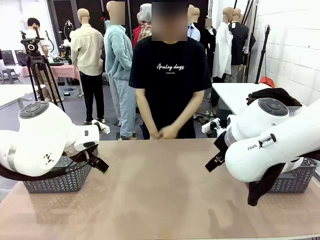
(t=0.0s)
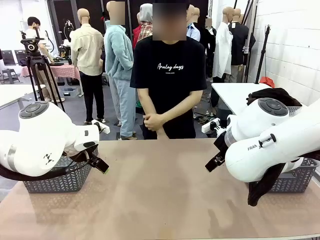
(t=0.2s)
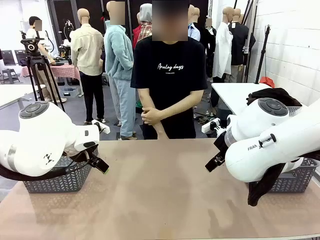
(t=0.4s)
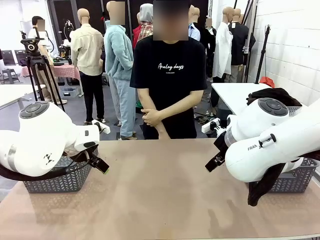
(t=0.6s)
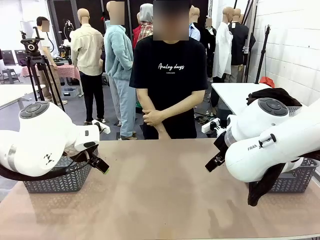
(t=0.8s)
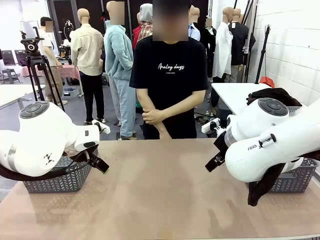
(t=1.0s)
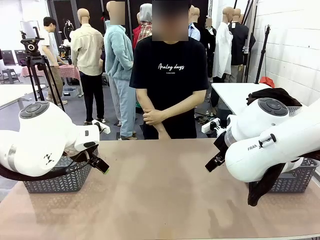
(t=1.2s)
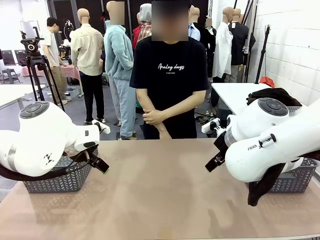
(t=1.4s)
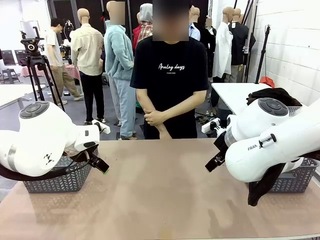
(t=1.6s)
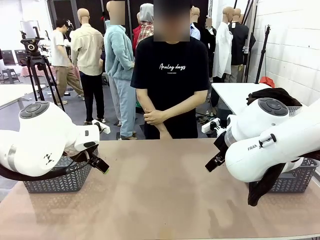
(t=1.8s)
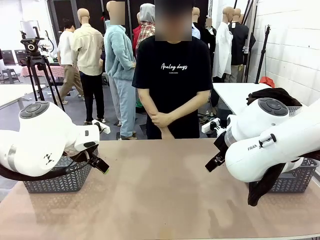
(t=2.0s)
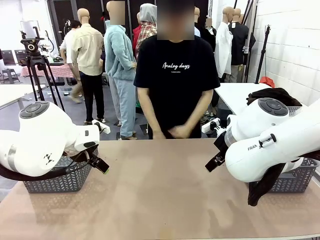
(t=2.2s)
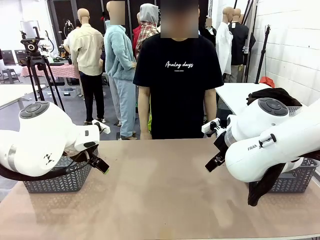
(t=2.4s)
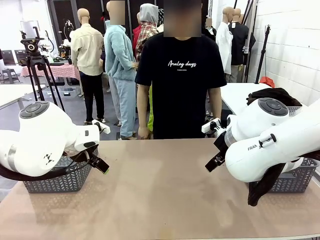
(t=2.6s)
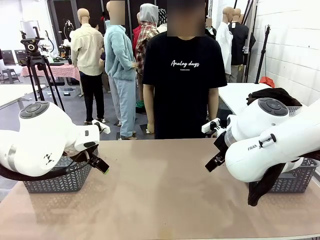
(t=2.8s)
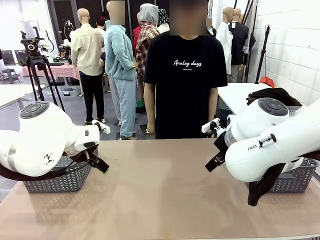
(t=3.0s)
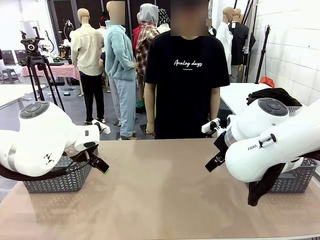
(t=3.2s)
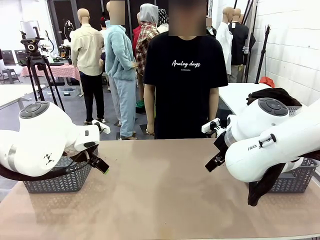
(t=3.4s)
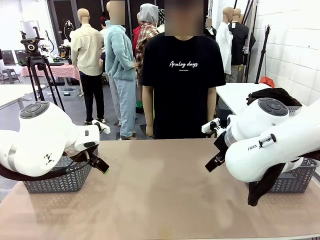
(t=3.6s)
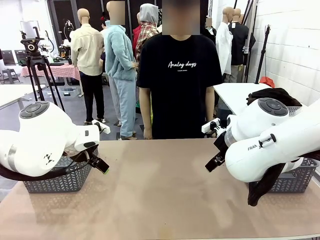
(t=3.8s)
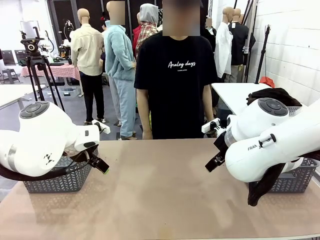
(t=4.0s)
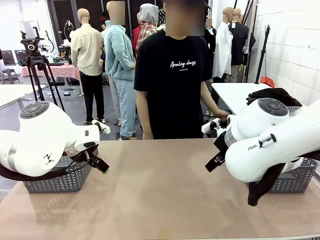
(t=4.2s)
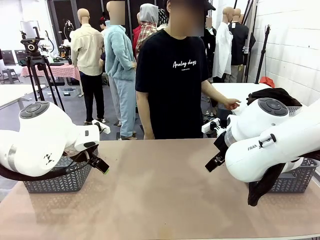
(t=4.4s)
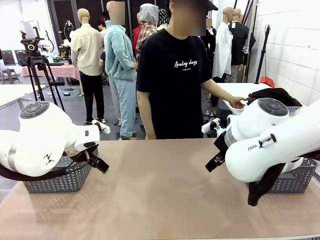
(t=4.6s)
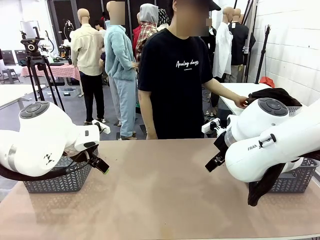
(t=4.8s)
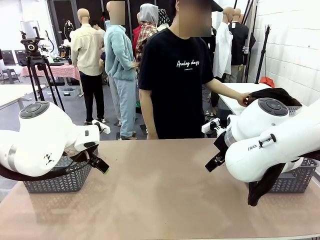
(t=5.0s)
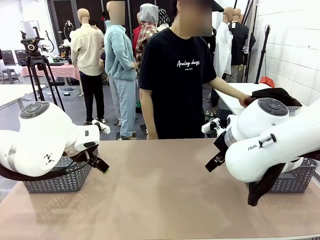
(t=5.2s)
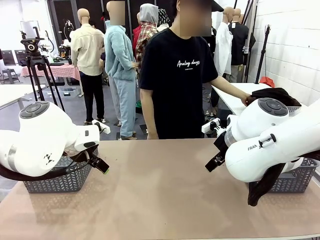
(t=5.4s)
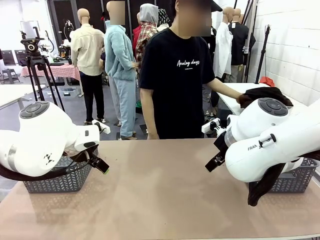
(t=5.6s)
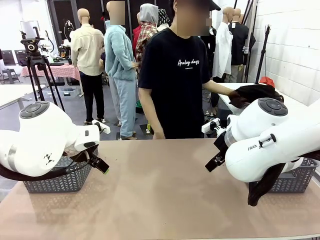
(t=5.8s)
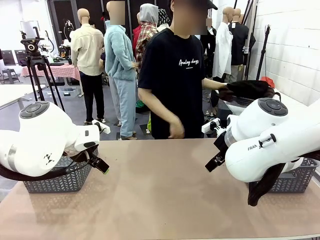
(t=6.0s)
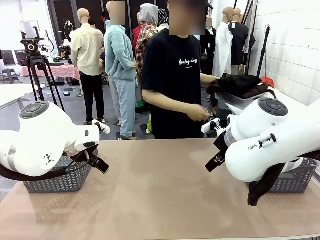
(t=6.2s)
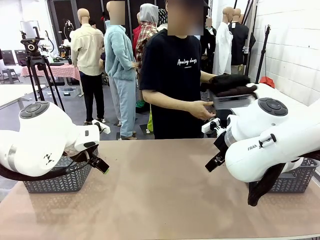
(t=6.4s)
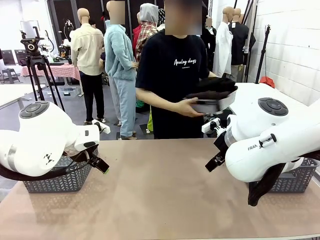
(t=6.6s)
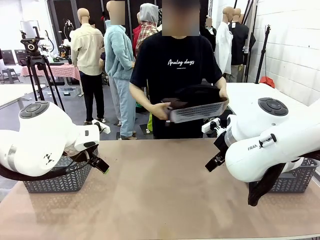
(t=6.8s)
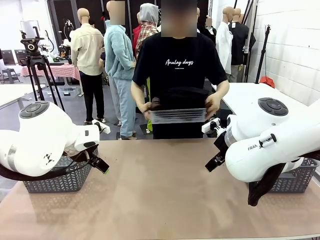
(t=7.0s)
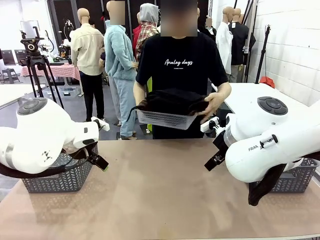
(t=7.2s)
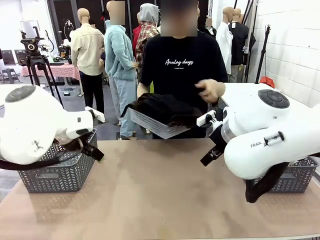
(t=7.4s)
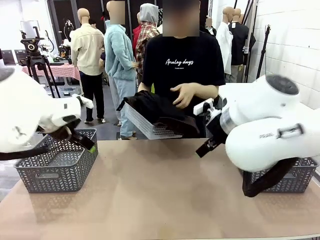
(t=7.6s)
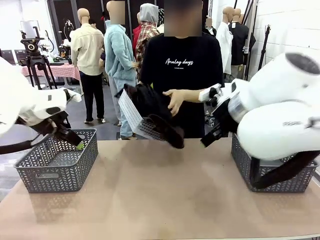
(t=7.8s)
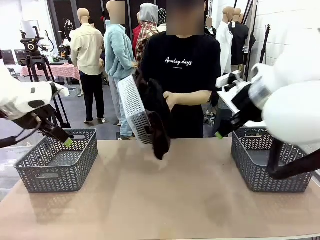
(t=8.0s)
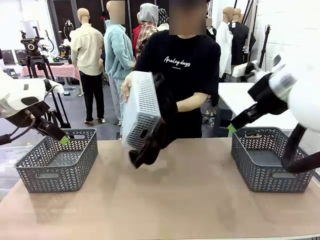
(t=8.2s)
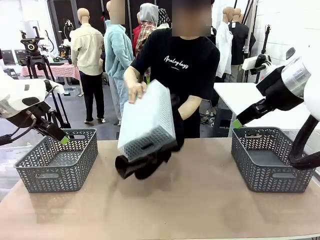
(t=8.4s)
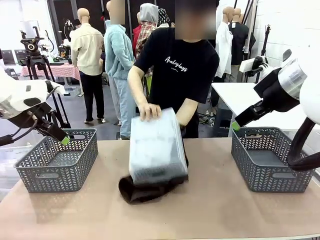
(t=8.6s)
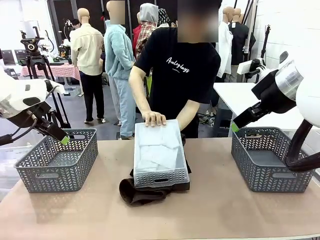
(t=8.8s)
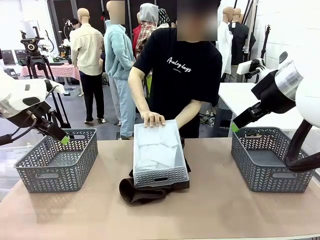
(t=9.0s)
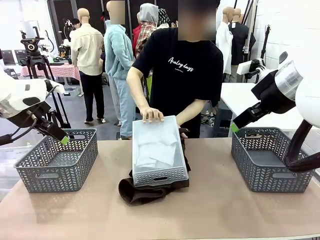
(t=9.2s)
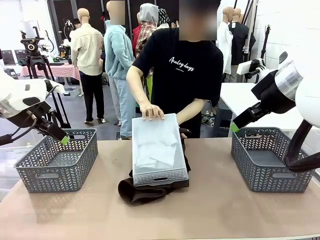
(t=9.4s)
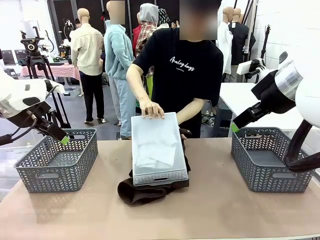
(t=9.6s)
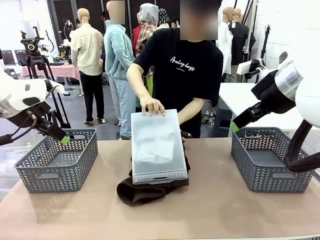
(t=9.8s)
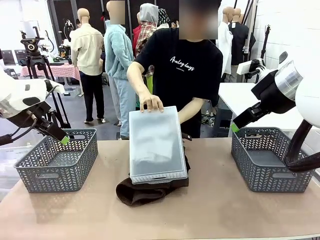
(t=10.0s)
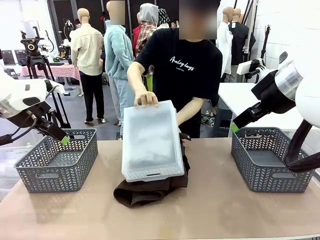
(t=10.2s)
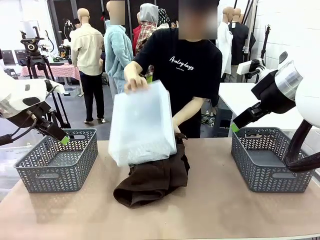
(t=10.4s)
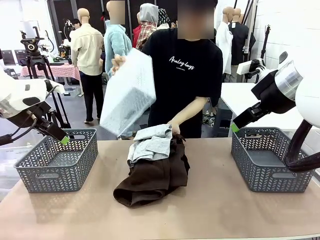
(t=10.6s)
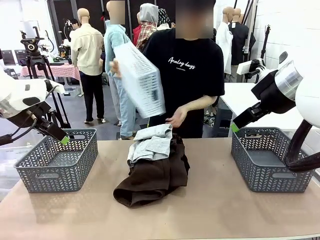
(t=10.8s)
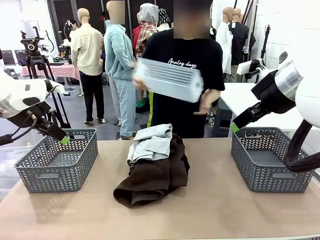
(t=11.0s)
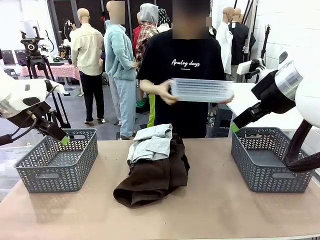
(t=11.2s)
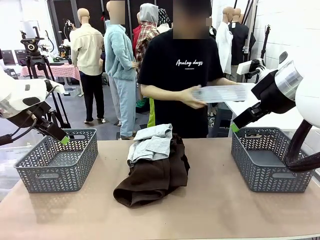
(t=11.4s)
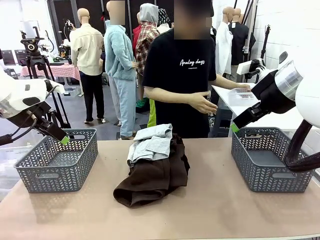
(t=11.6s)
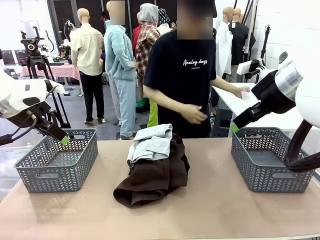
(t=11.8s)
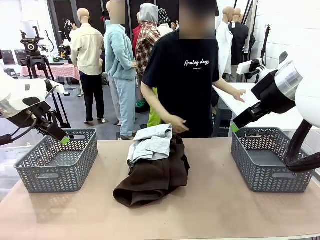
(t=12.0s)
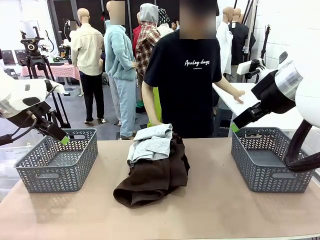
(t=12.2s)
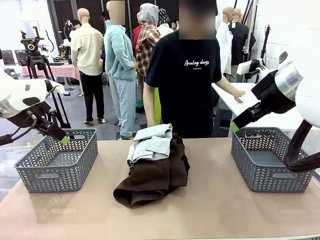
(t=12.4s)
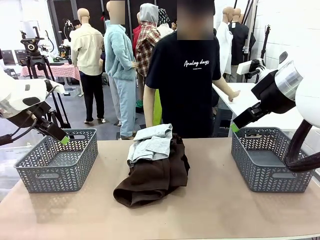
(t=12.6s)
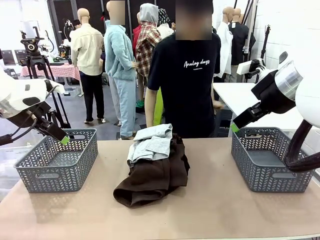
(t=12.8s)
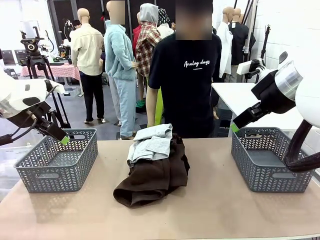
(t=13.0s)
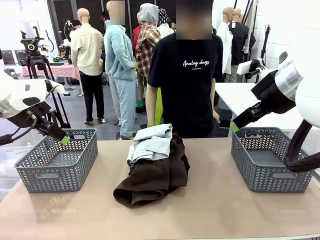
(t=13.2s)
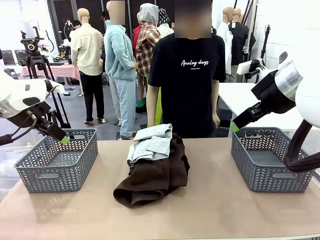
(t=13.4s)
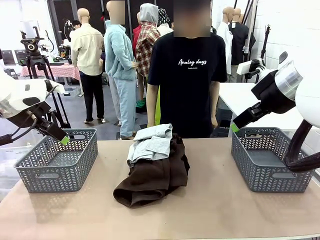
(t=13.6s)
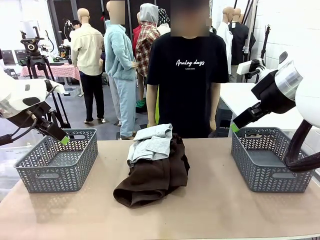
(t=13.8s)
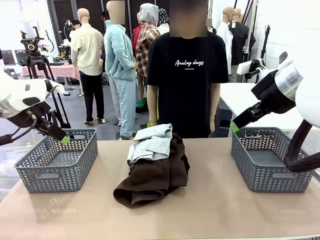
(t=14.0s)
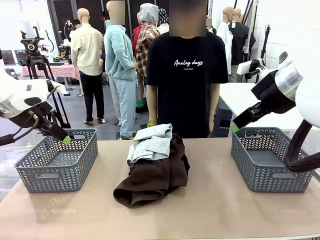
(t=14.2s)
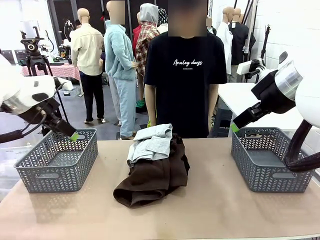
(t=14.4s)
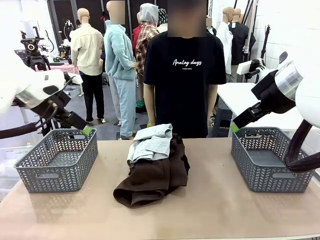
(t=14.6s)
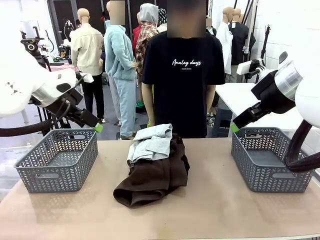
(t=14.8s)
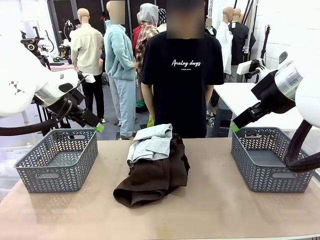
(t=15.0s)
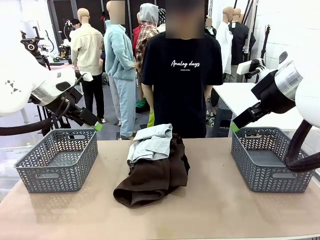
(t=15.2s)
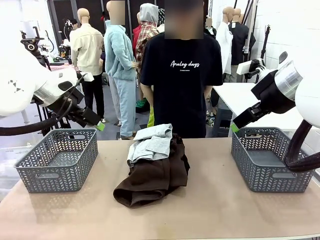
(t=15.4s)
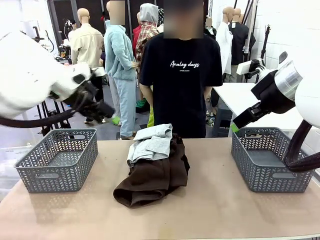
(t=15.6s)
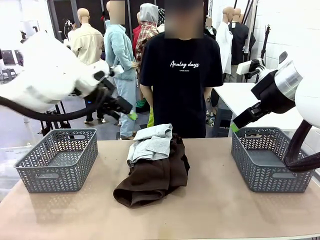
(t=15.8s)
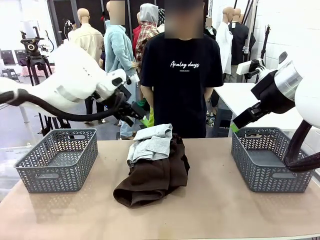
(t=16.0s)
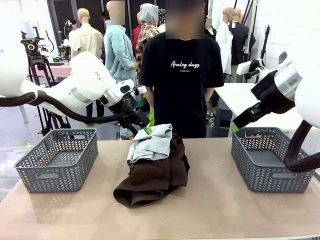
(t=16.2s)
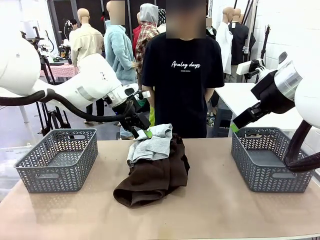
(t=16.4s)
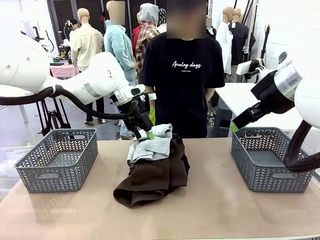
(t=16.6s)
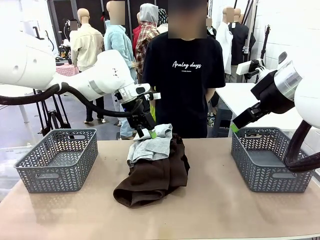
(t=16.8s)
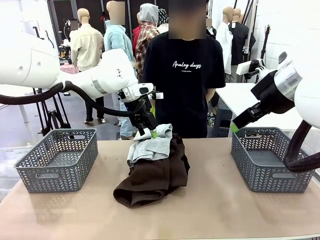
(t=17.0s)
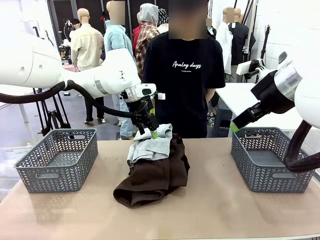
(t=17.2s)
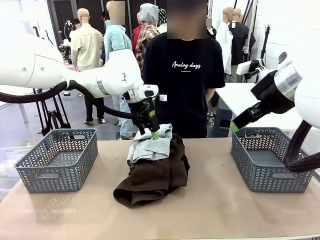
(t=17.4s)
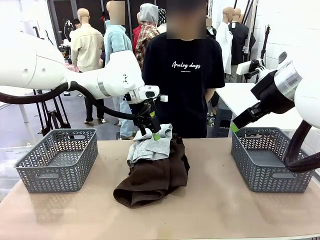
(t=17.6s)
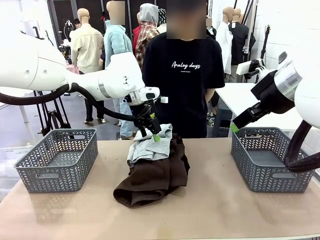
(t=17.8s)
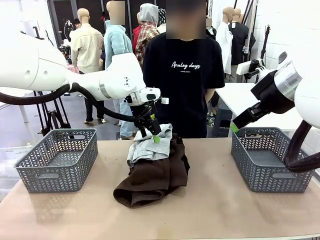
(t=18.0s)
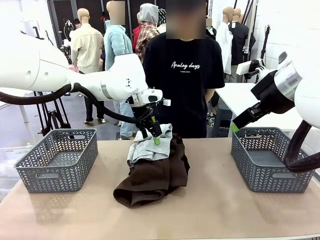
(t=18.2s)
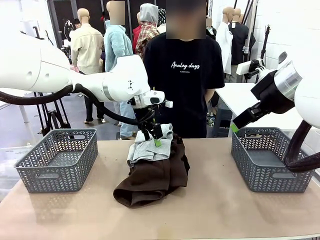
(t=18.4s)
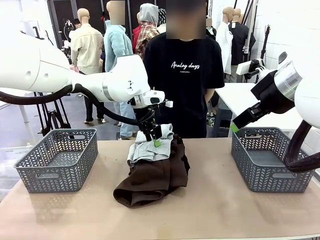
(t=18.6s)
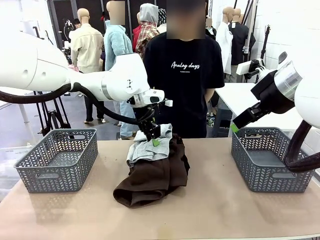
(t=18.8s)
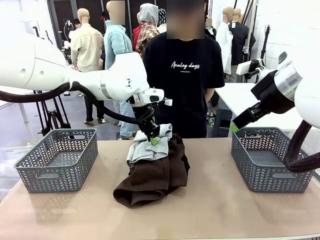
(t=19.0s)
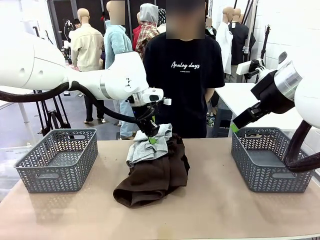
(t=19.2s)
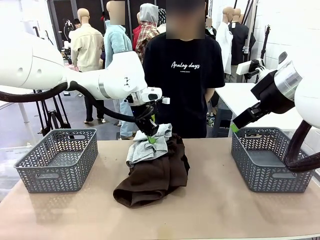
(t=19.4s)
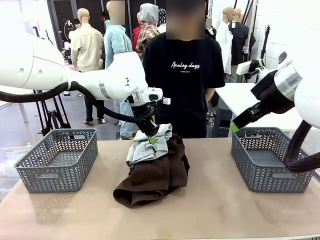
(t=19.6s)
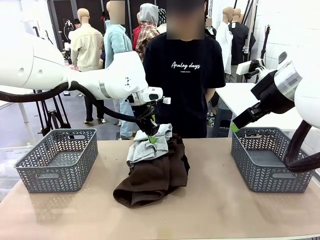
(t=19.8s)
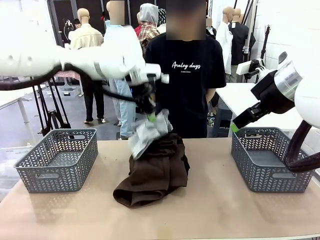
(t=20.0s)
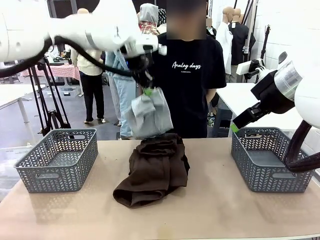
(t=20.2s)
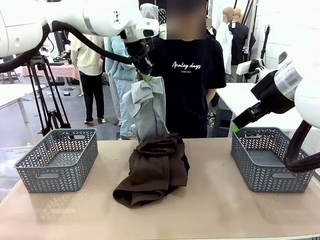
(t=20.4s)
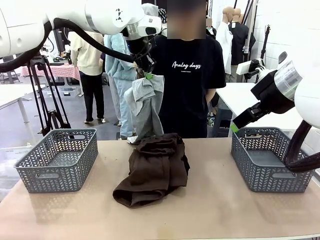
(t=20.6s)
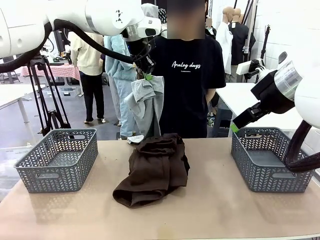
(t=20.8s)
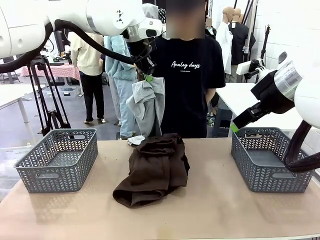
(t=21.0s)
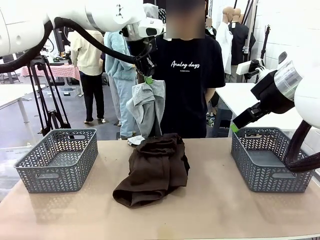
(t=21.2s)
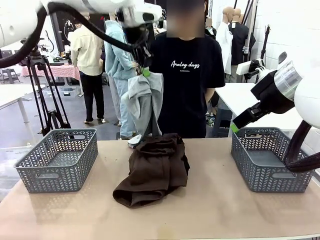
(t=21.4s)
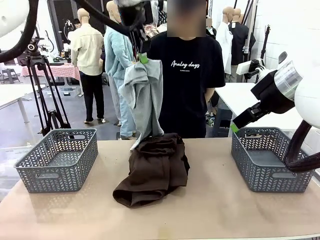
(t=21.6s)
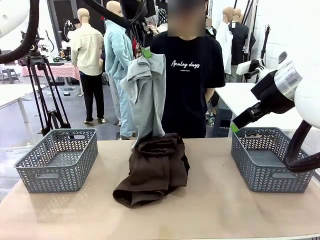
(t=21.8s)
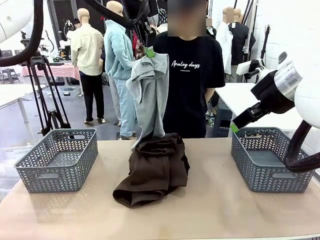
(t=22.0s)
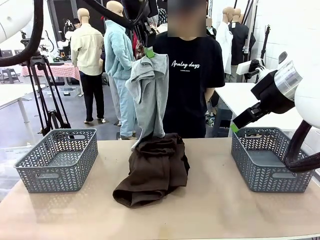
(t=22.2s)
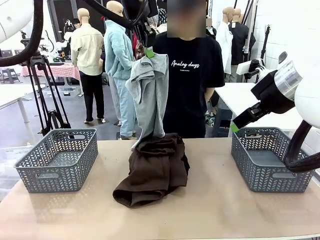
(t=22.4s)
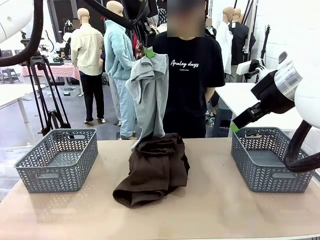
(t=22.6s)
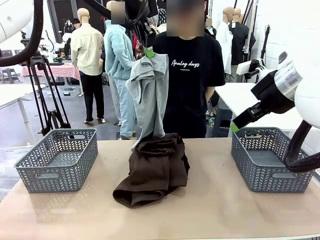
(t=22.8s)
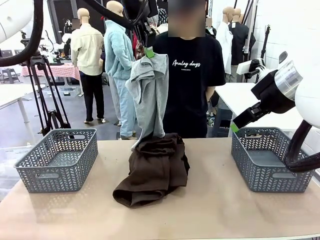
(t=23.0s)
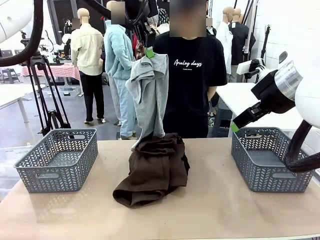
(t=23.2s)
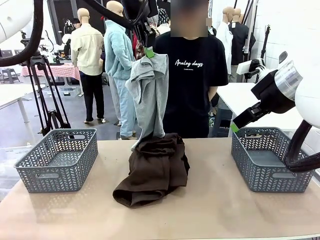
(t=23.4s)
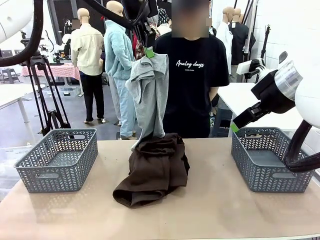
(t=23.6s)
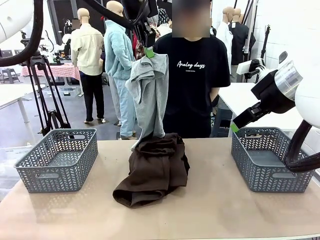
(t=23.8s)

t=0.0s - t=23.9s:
Task: Sort the tops and bottoms.
Robot: Lift clothes from the center of the table with your left hand.
Person: Pour the clothes from the basket onto the center of the robot table.
